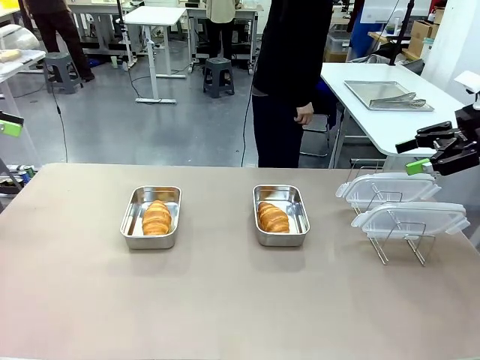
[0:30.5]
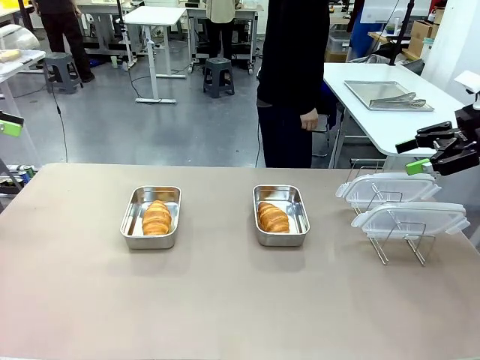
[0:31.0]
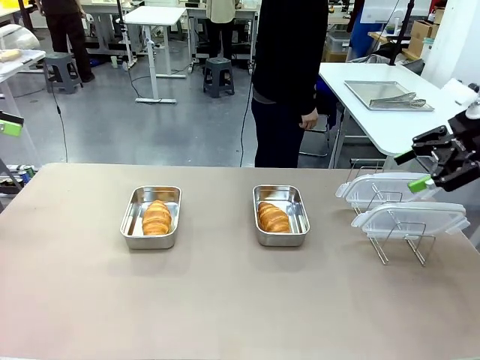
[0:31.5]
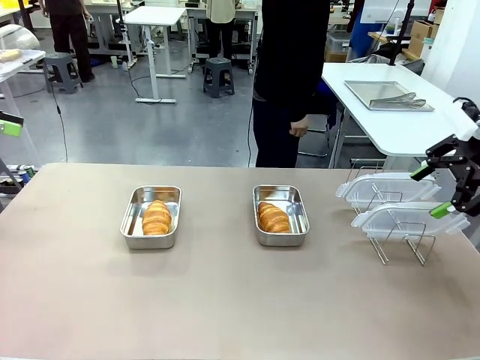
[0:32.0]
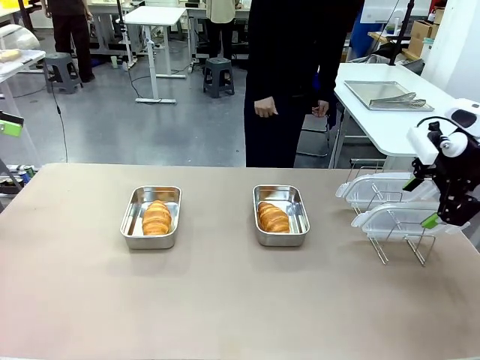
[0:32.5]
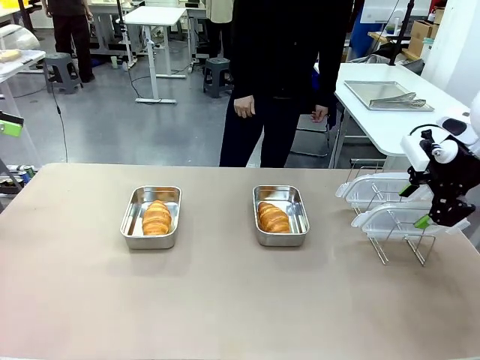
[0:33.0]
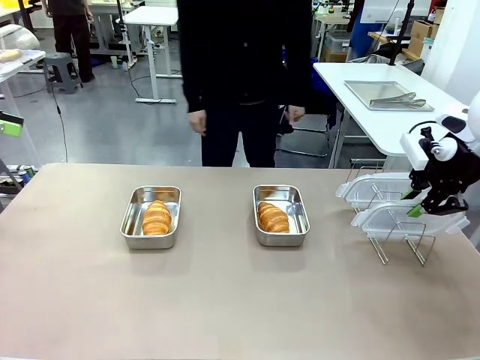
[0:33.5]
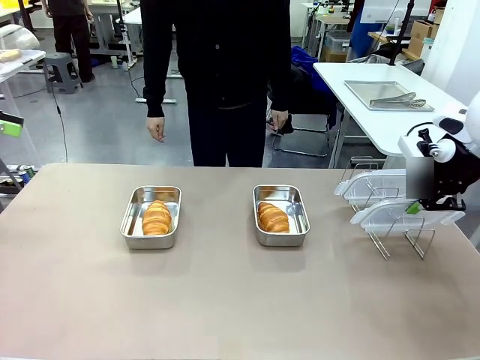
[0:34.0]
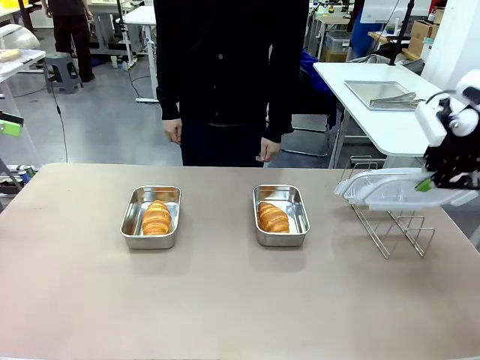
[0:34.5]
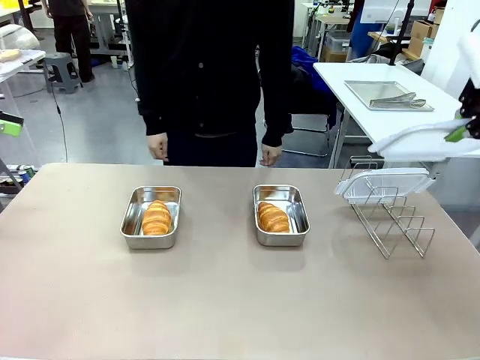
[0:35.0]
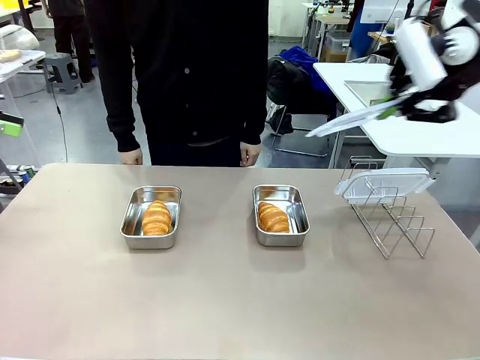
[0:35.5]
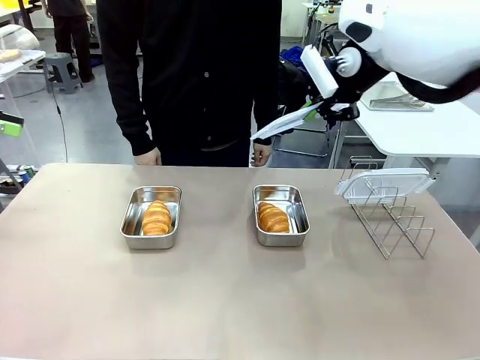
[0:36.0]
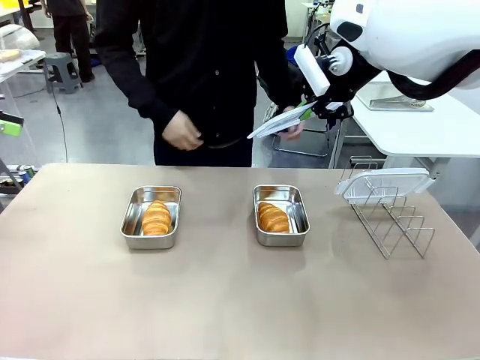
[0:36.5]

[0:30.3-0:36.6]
Task: Place the bread in airtight containers.
Robot: Pick up one Airtight Container lid and hand it to the human.
Person: Grip Airtight Container lid that robot is handing.

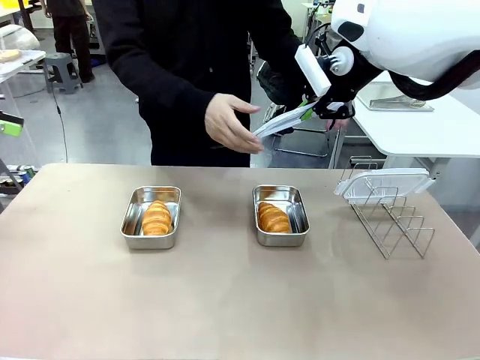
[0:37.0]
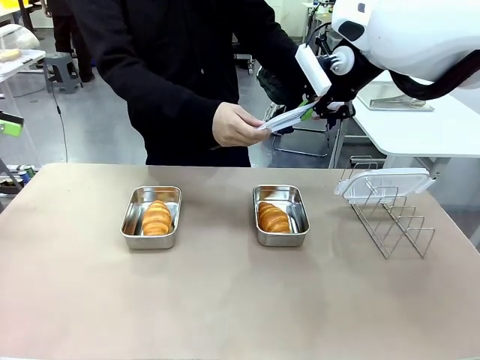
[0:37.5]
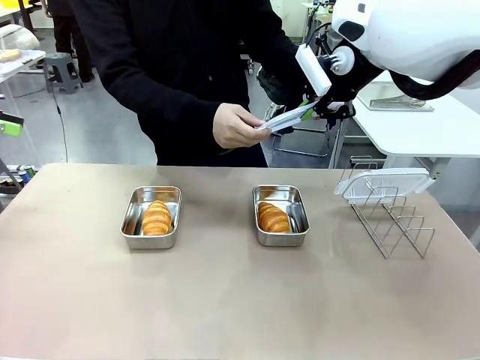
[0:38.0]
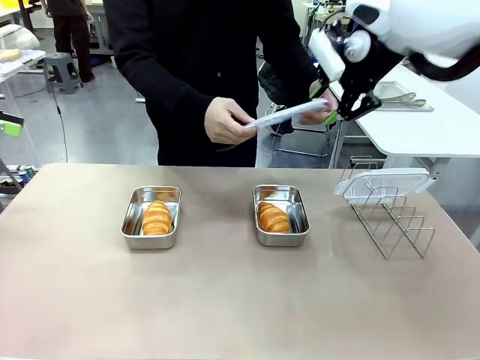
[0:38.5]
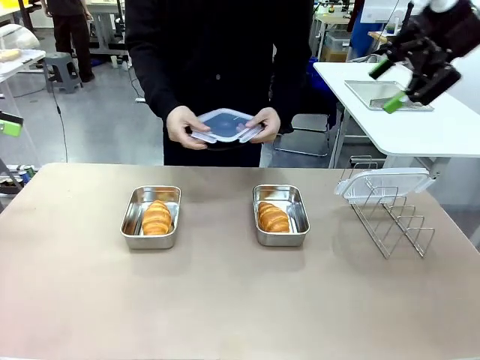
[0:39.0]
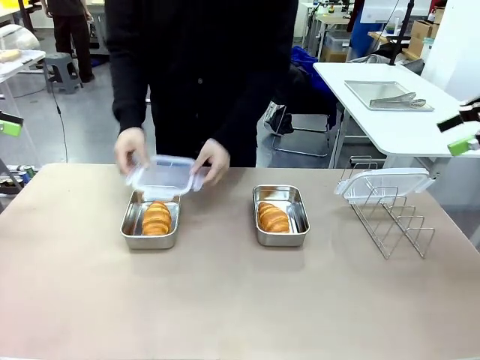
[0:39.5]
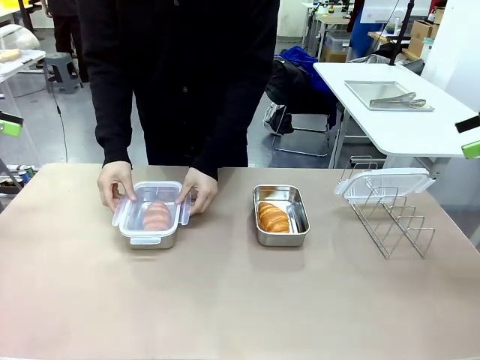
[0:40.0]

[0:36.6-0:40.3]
Robot: Release when the human grabs the Airtight Container lid.

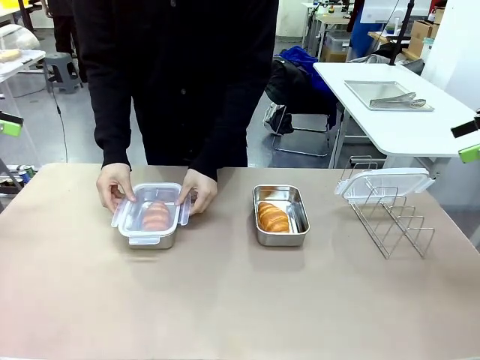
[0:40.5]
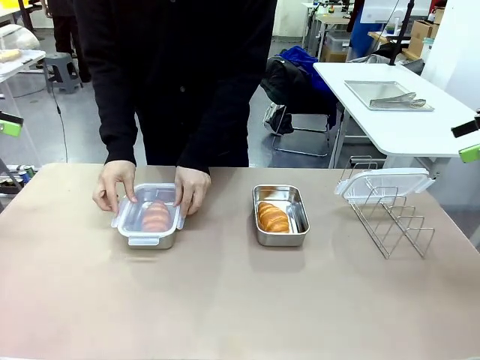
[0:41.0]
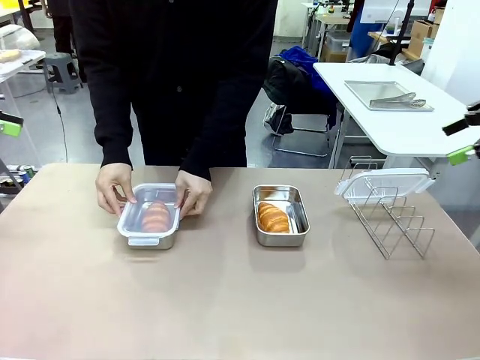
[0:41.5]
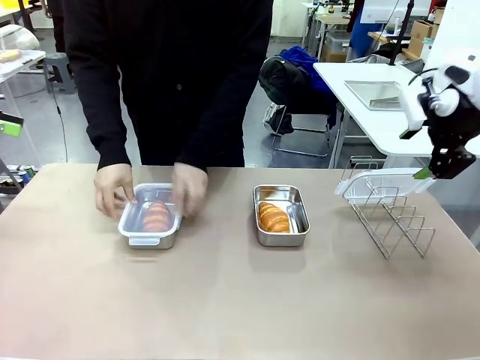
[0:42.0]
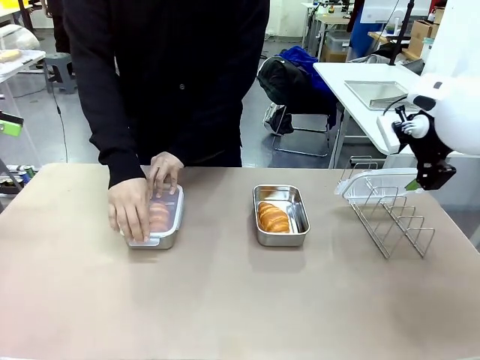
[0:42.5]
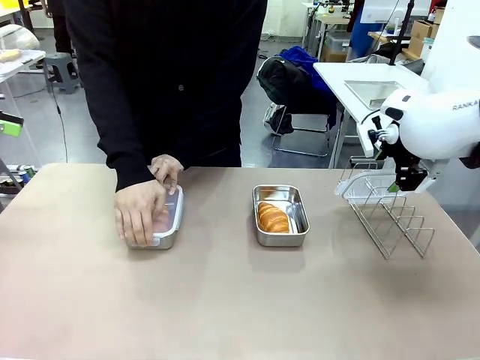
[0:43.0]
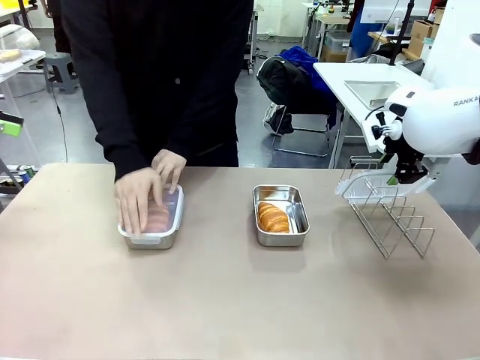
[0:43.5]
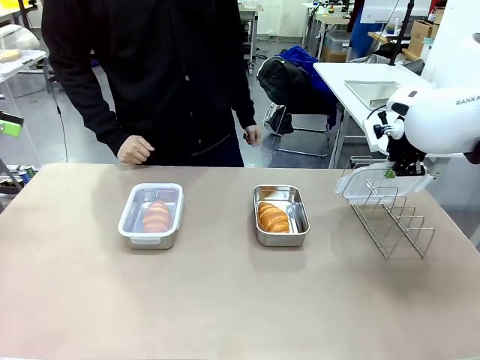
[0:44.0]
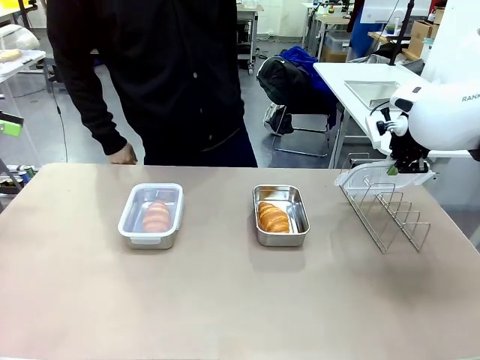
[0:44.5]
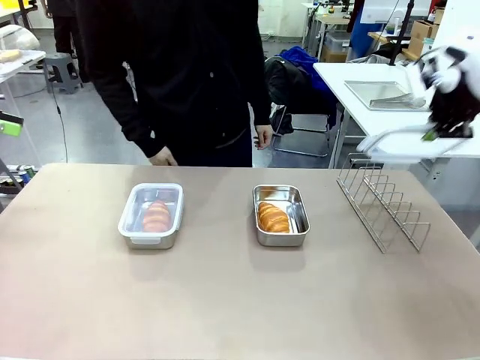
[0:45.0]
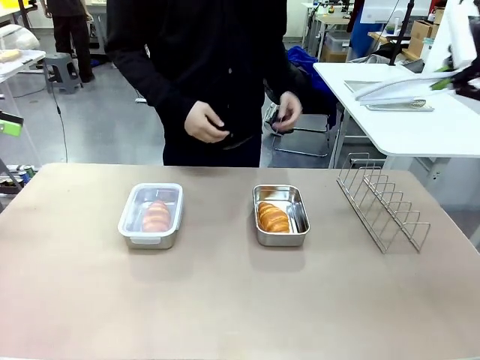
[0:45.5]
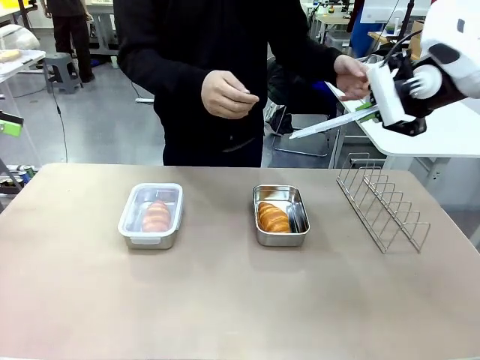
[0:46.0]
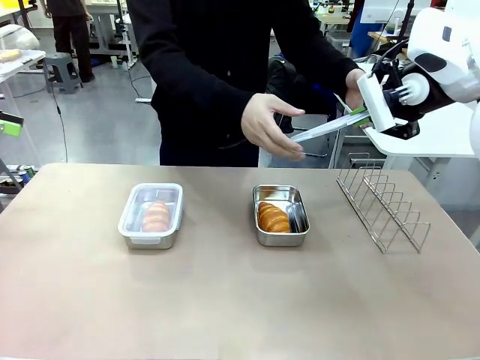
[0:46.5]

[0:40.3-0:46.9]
Robot: Pick up one Airtight Container lid and hand it to the human.
Person: Close Airtight Container with a handed Airtight Container lid. Grip Airtight Container lid that robot is handing.

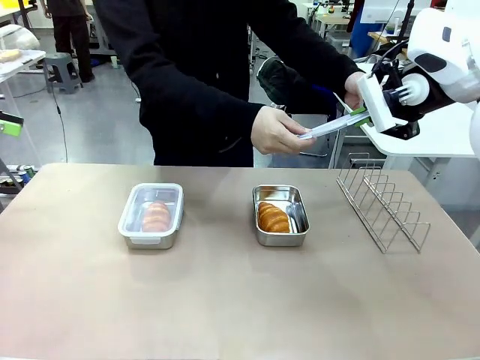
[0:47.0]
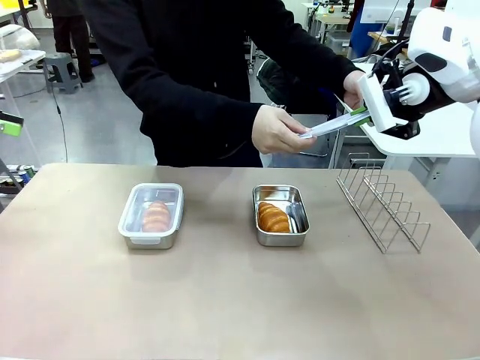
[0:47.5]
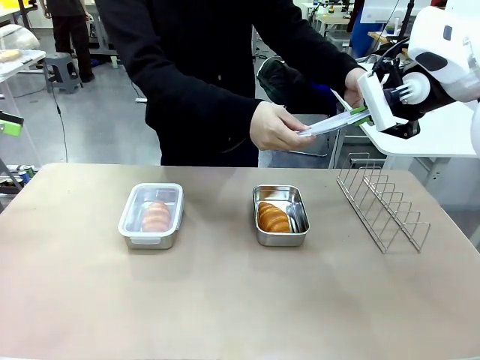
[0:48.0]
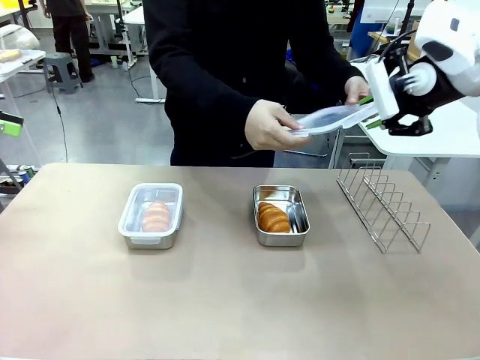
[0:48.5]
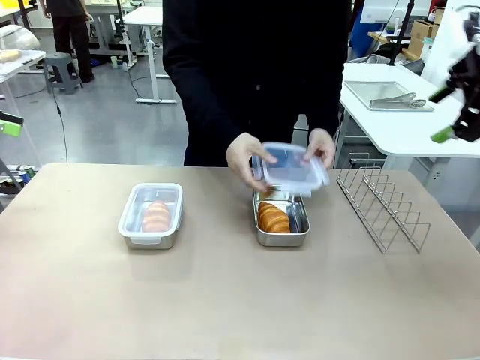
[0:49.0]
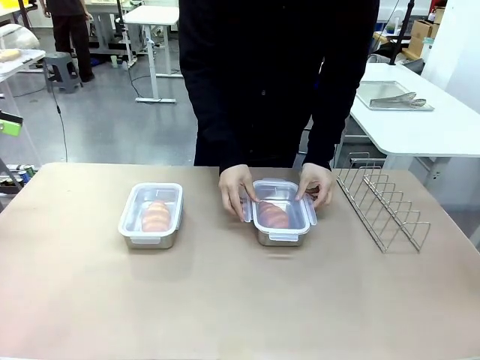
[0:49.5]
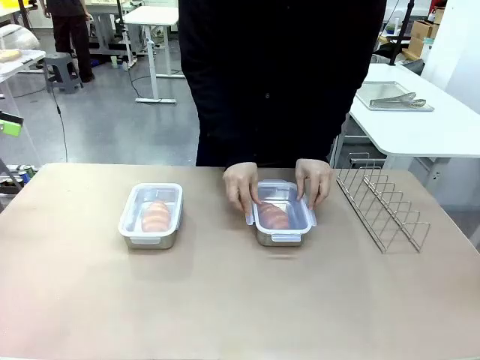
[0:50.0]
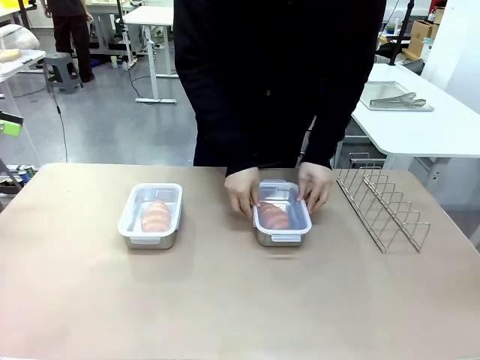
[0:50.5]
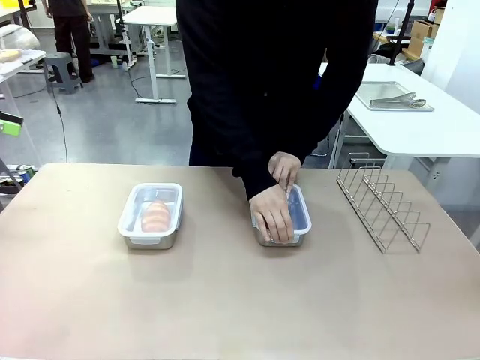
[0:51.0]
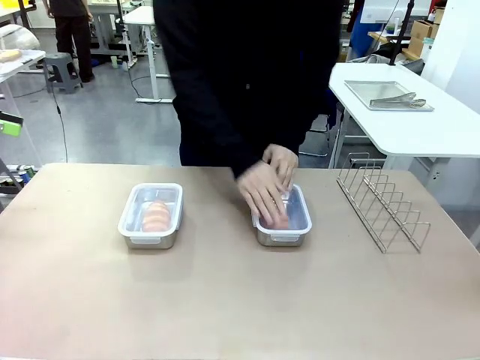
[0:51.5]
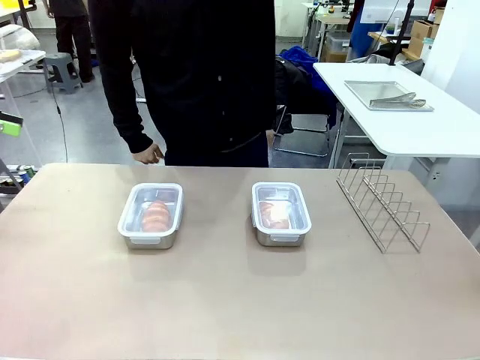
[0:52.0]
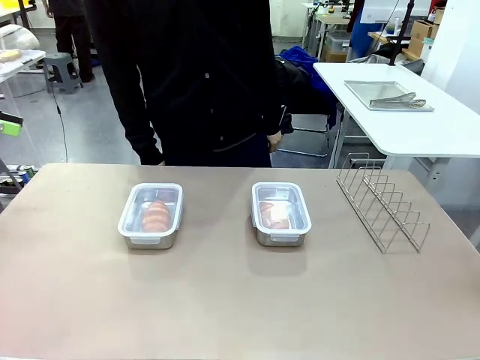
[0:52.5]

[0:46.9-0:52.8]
Robot: Release when the human grabs the Airtight Container lid.
Person: Close Airtight Container with a handed Airtight Container lid.

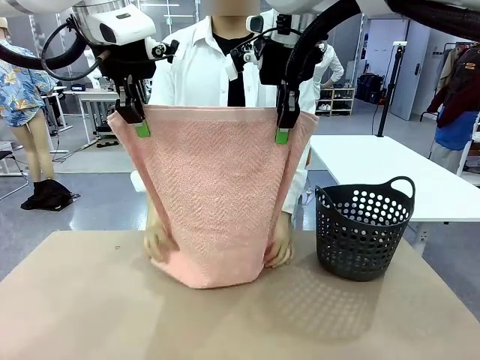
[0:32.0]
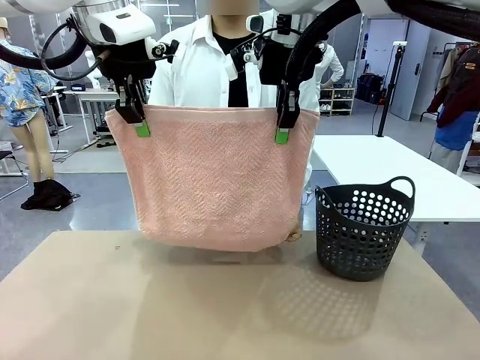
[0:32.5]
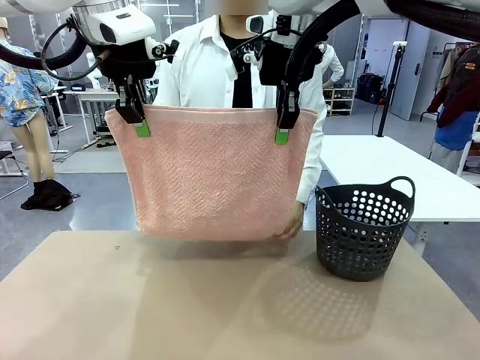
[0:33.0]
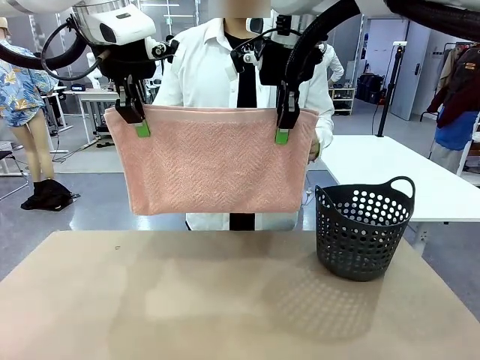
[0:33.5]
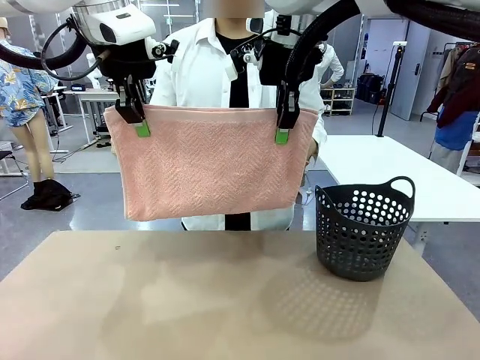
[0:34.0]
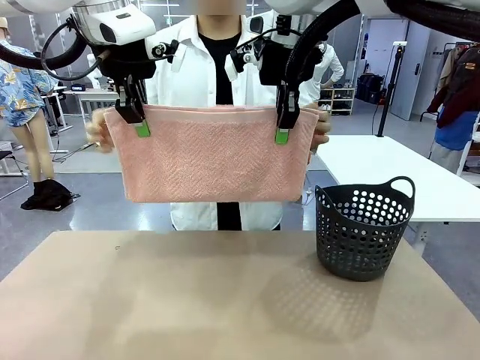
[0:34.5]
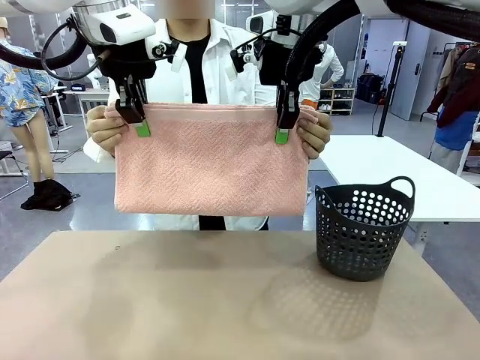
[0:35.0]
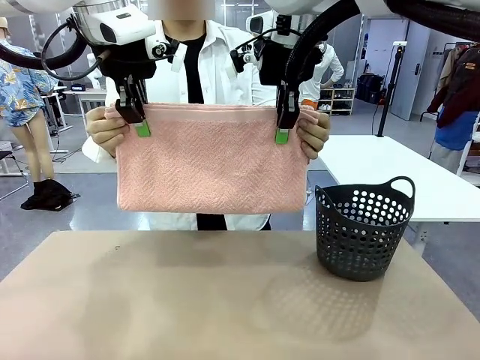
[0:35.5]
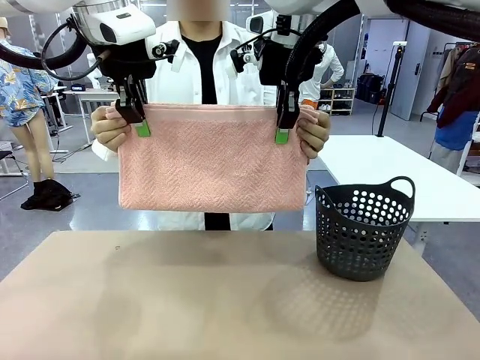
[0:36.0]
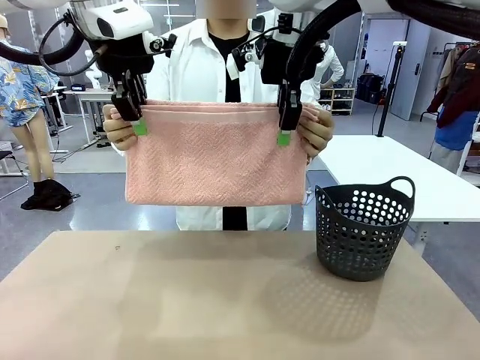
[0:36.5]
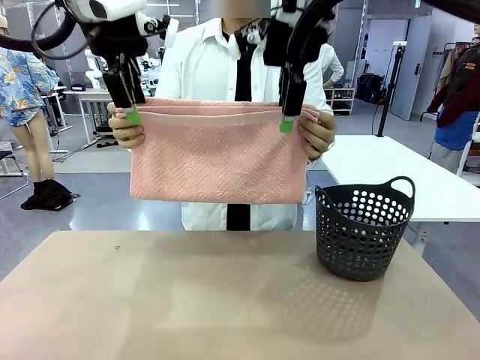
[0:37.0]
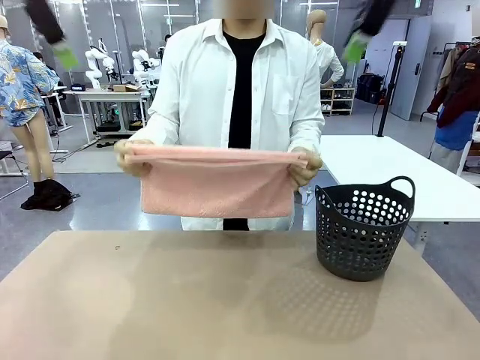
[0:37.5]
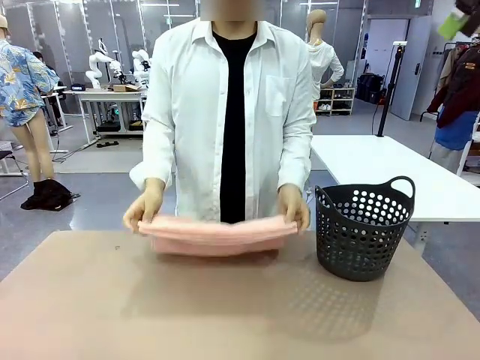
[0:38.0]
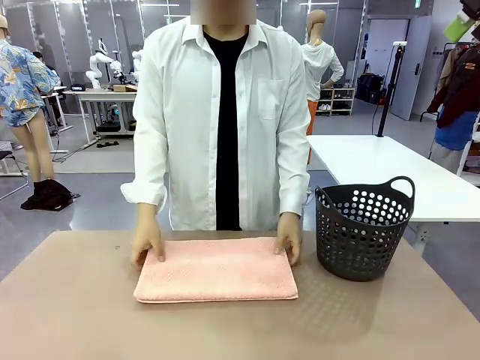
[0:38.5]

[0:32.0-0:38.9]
Task: Fold the towel.
Robot: Release the end of the 100 cm Hotel Towel you were holding.
Person: Place the towel at the center of the robot table and fold it in half.
